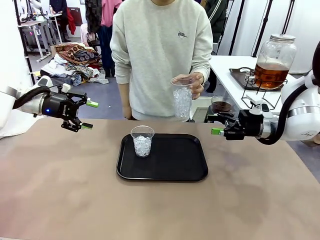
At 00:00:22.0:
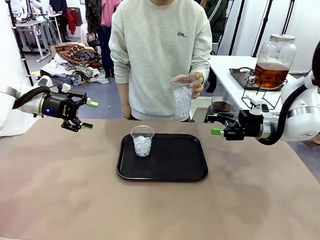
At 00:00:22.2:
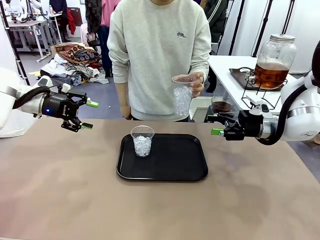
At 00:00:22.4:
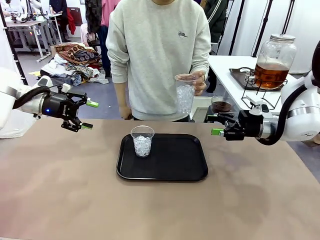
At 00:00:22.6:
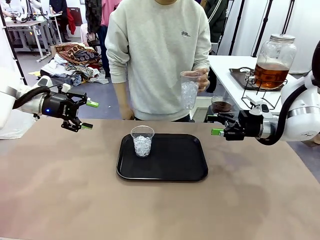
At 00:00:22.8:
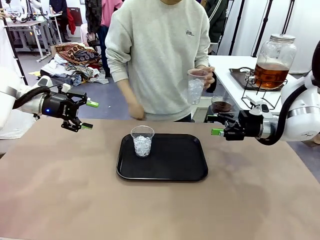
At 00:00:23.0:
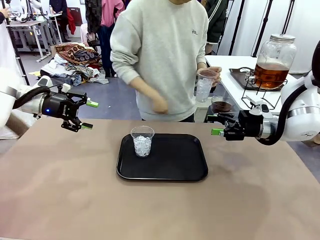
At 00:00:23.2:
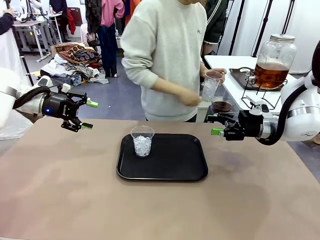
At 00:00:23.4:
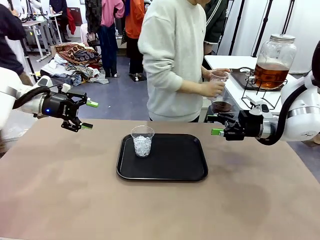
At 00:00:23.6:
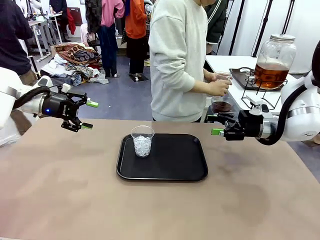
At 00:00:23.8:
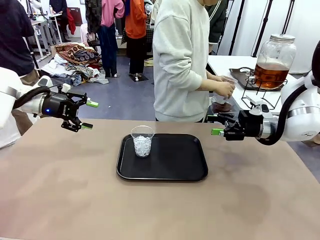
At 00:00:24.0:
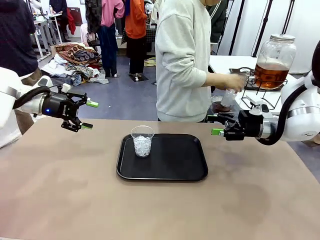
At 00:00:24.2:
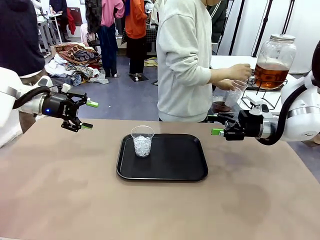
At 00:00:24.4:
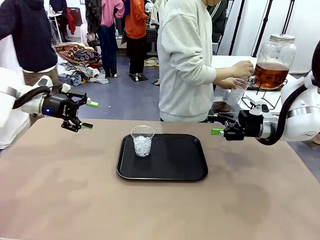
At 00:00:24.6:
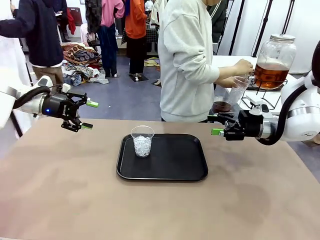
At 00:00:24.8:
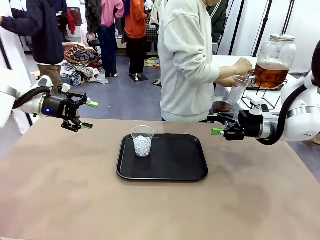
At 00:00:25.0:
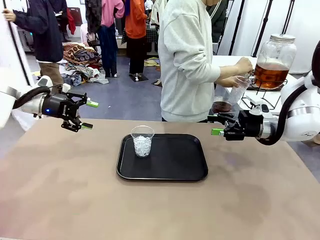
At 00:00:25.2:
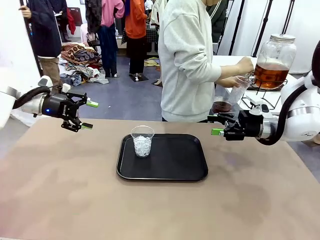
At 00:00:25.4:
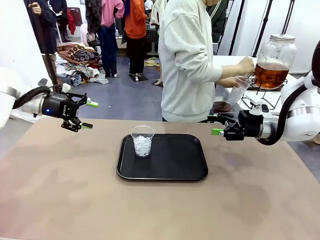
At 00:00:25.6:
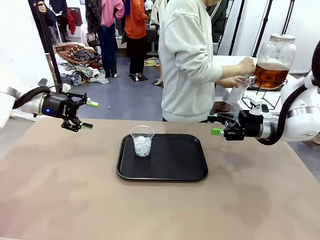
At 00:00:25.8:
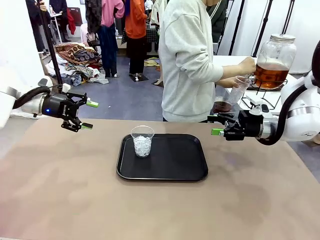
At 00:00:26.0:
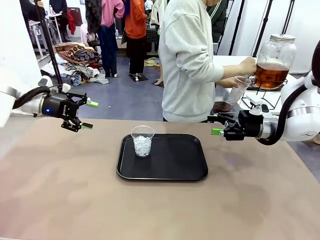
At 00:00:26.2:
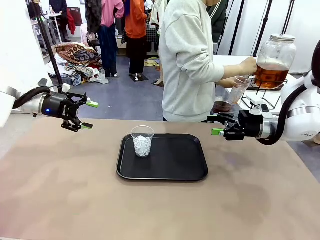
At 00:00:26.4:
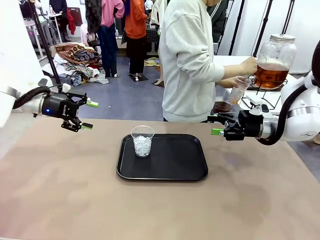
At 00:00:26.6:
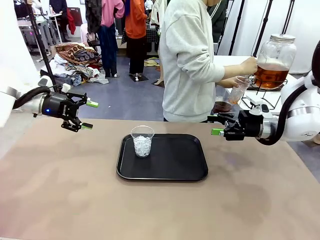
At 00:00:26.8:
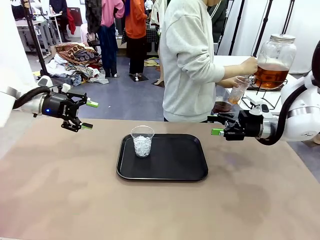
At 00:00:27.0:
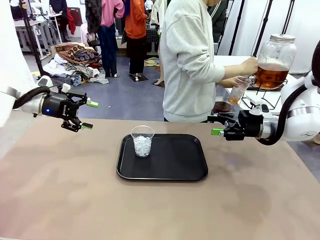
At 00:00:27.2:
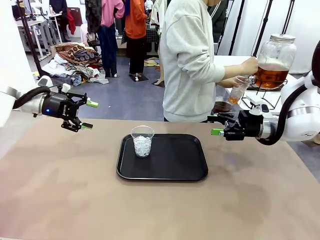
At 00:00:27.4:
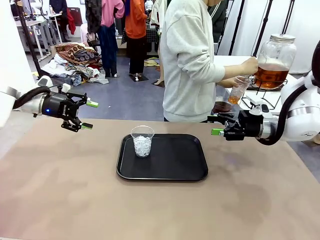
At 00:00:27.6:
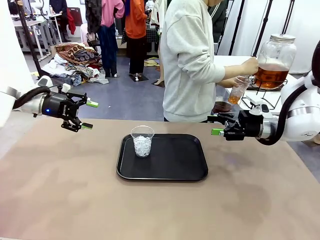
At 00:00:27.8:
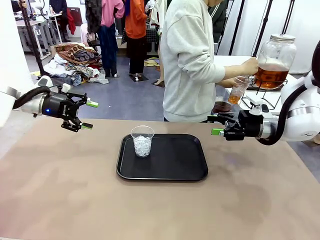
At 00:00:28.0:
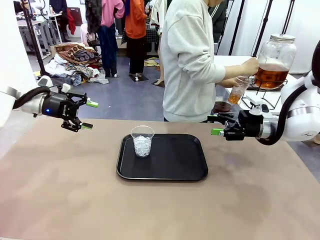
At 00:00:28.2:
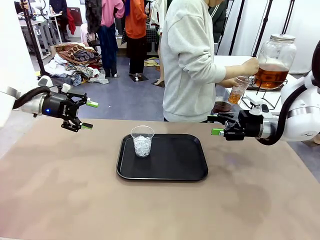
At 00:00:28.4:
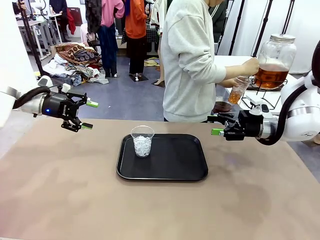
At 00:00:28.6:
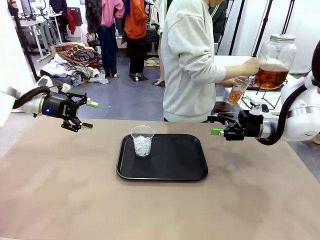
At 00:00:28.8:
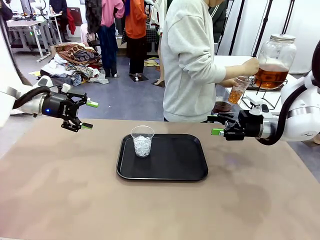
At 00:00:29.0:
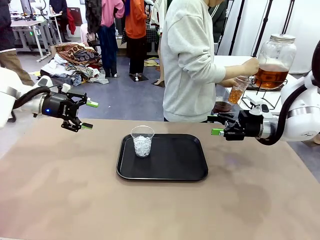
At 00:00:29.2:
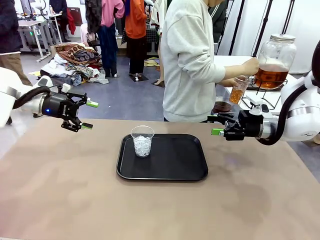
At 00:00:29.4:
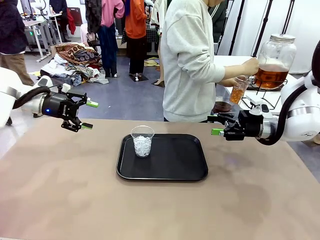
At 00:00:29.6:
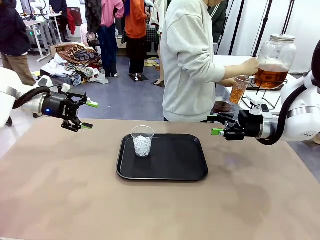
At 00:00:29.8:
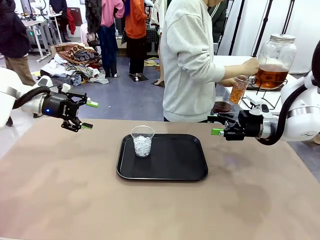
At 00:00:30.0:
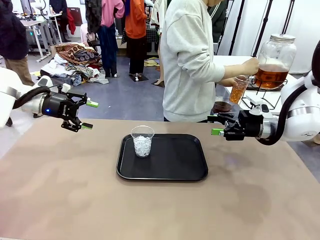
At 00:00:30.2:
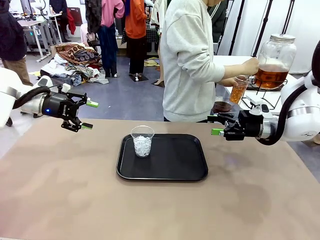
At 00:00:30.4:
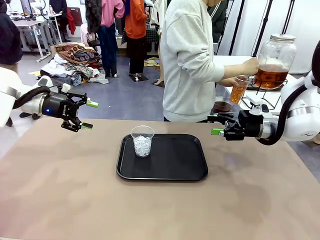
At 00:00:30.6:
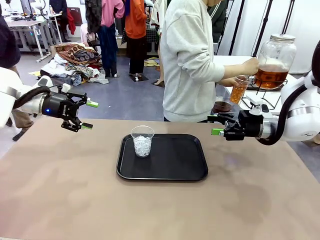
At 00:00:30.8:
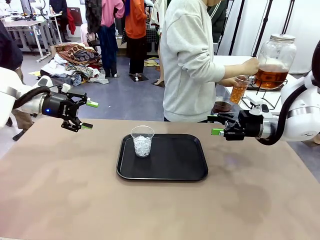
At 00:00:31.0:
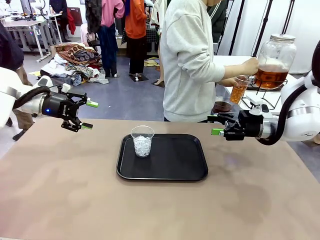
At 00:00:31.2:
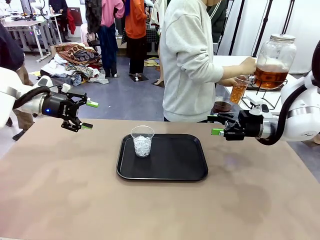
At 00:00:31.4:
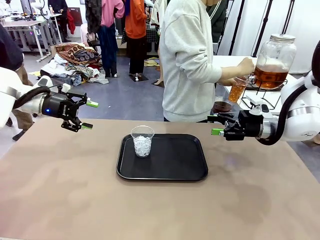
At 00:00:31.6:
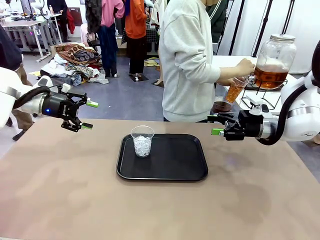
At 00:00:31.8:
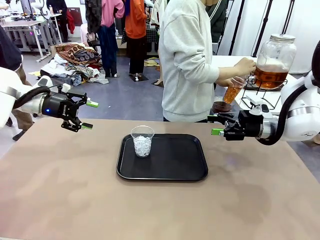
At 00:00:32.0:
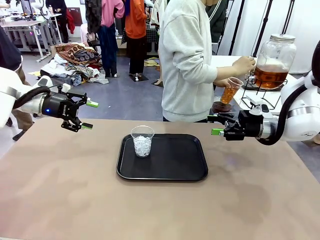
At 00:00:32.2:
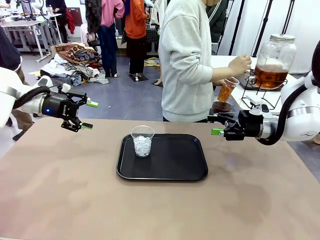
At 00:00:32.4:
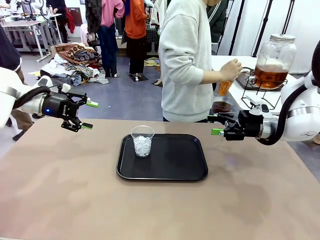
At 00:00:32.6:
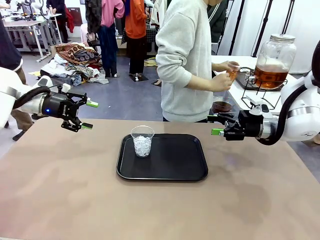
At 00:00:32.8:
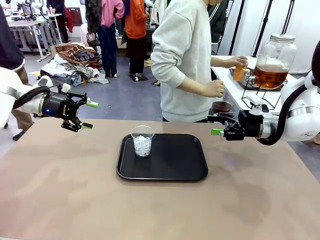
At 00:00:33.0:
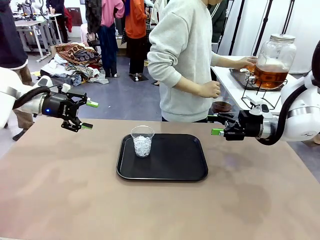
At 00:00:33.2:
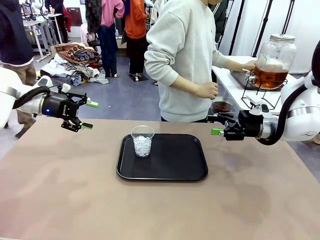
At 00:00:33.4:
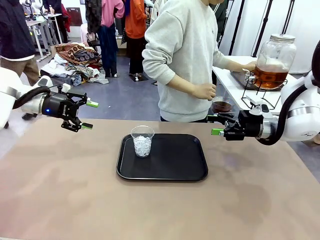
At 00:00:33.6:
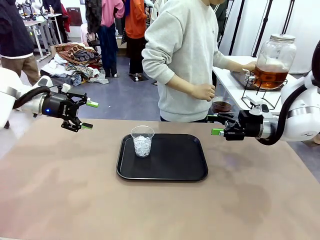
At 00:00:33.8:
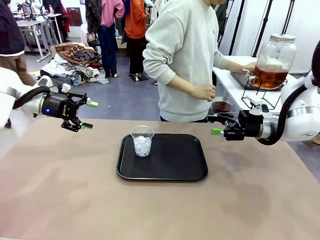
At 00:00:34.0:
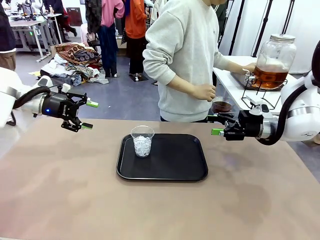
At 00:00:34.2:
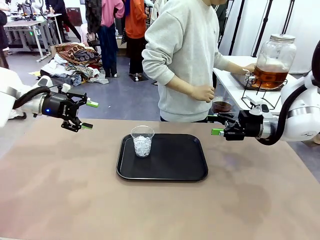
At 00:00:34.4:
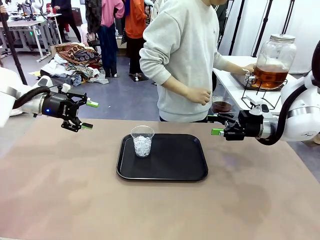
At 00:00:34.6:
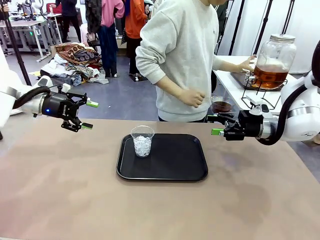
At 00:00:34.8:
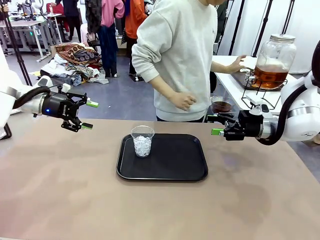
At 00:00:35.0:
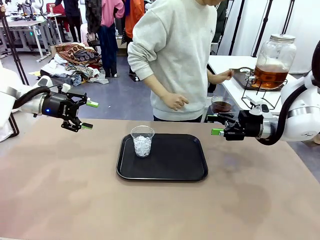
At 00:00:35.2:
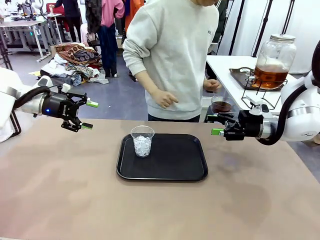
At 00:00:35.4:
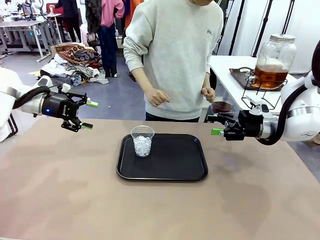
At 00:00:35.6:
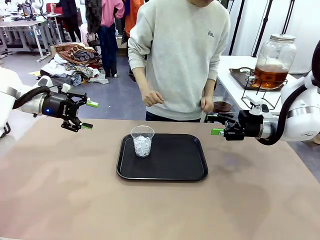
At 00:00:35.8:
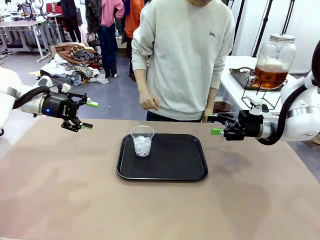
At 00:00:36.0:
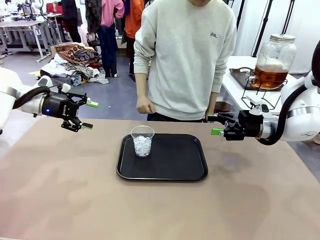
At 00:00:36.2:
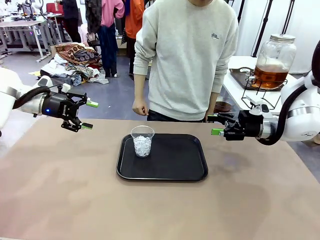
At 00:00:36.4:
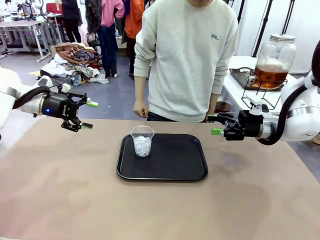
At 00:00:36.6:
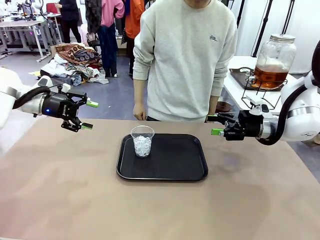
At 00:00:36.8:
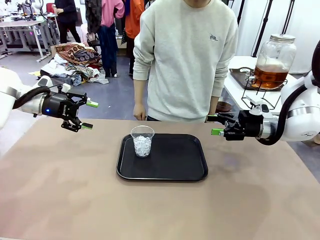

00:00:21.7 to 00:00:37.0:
Task: Pour the drink into the iced cup.
Robot: Pick up the iced cup indicated by the human and present it to them.
Person: Move the picked-up cup under the dispenser faucet, pour the drink, and place it on the tray on the human table.
